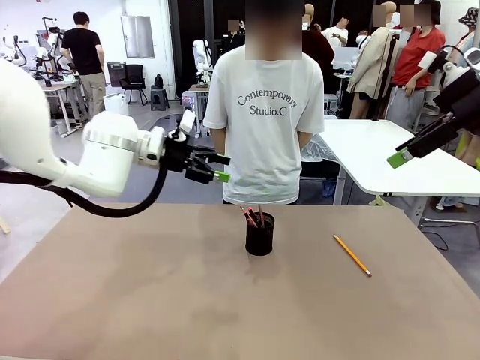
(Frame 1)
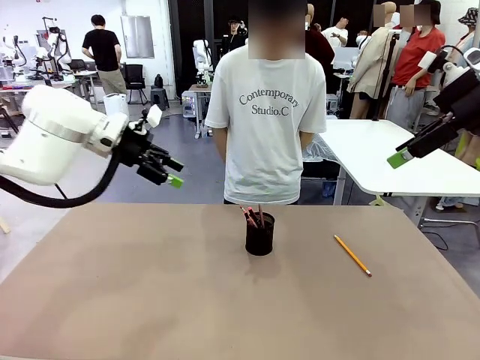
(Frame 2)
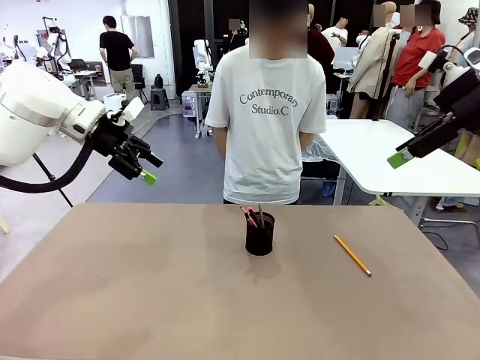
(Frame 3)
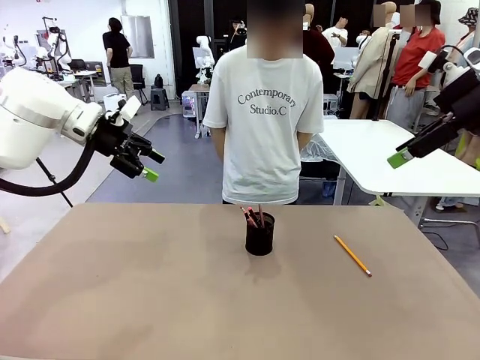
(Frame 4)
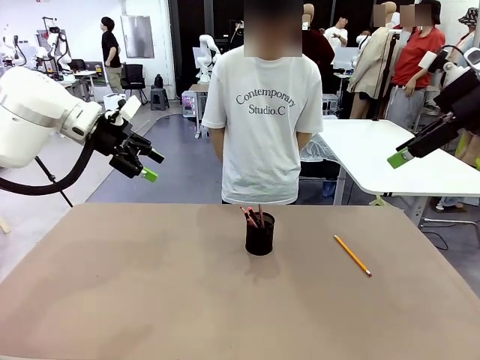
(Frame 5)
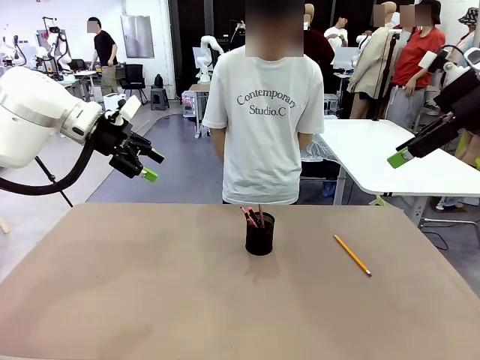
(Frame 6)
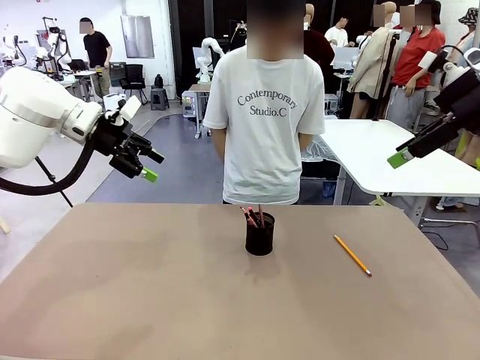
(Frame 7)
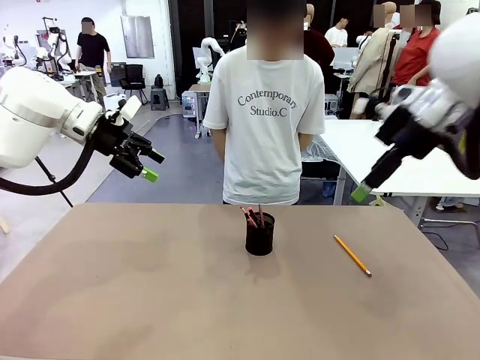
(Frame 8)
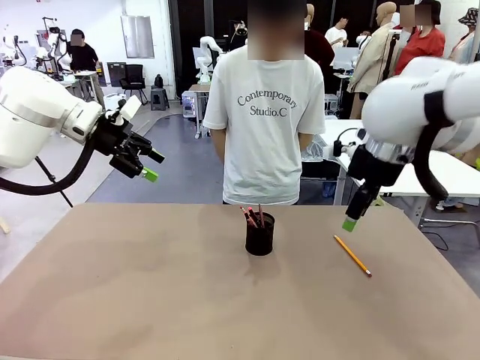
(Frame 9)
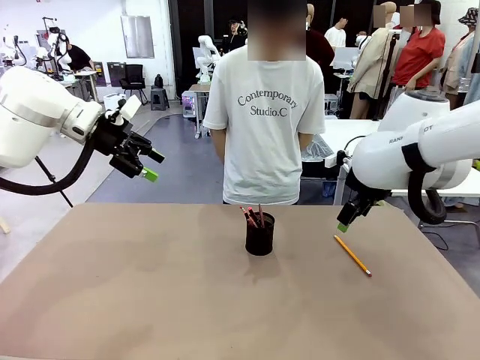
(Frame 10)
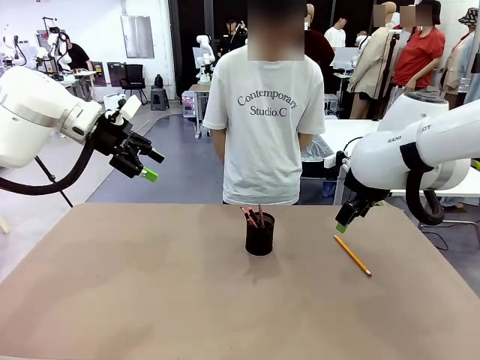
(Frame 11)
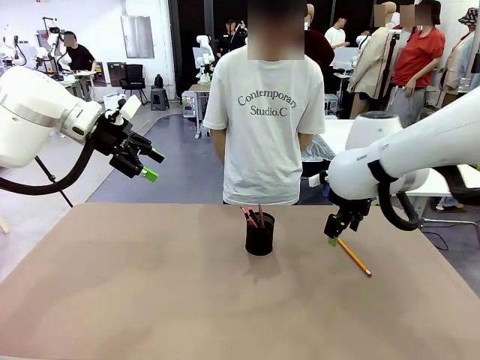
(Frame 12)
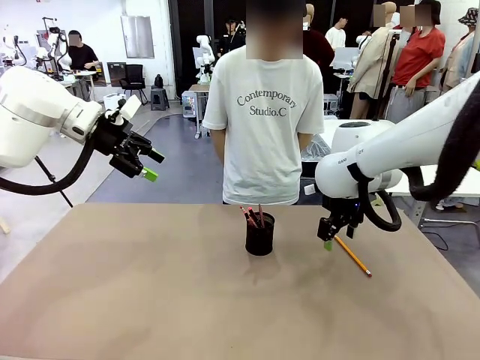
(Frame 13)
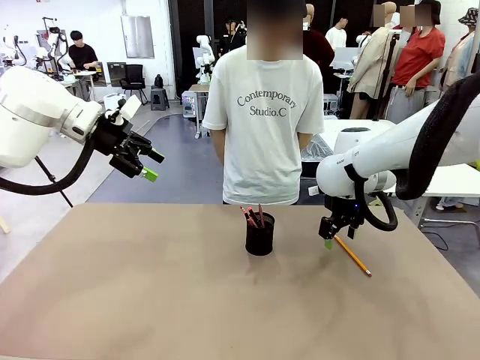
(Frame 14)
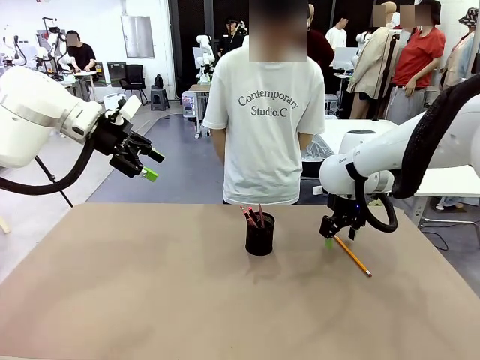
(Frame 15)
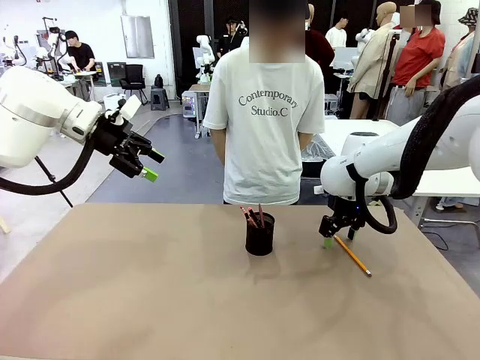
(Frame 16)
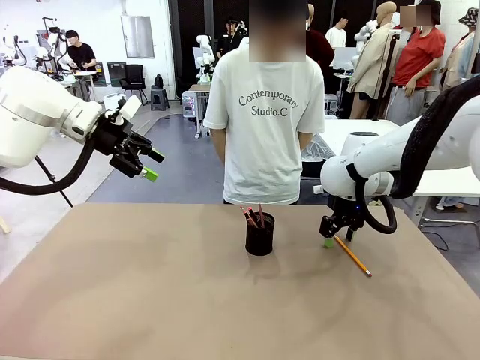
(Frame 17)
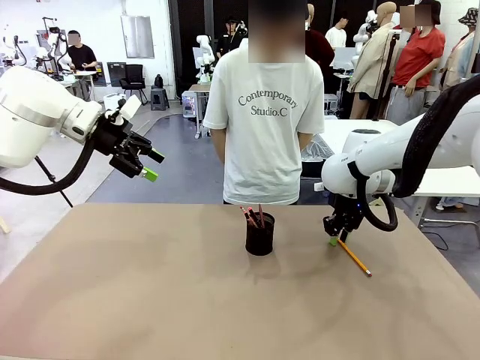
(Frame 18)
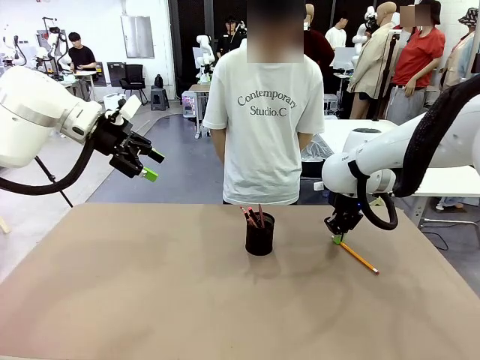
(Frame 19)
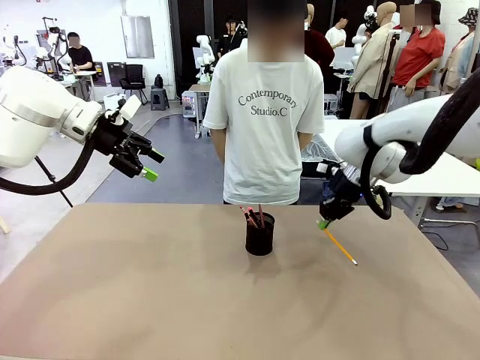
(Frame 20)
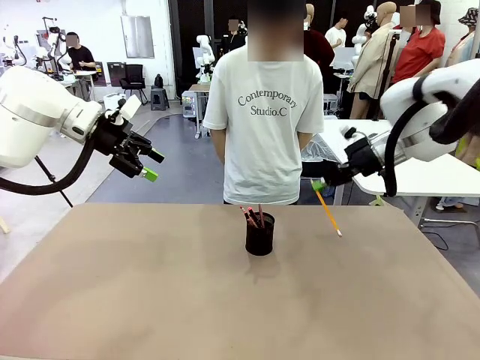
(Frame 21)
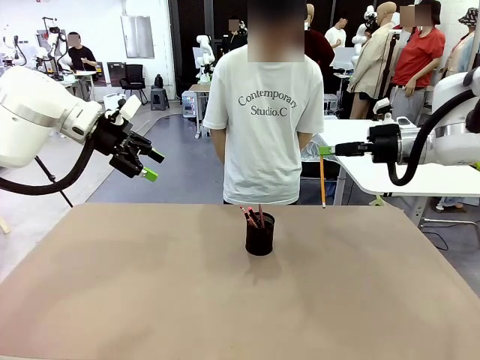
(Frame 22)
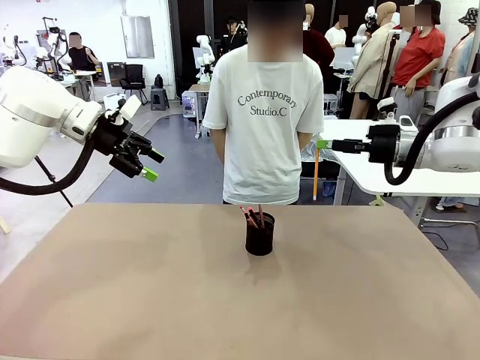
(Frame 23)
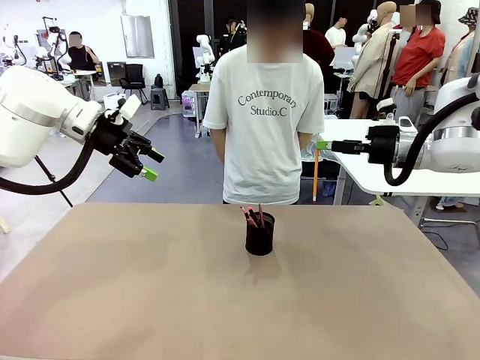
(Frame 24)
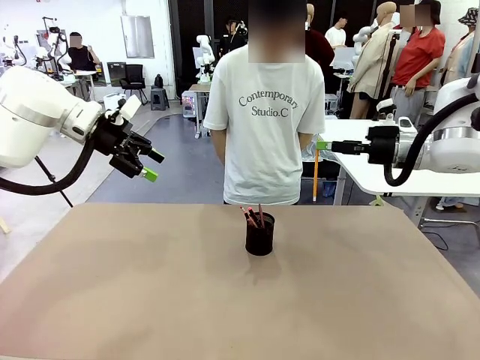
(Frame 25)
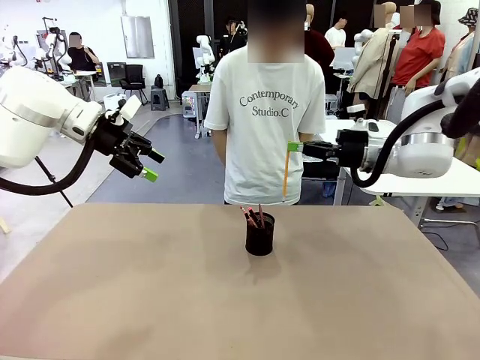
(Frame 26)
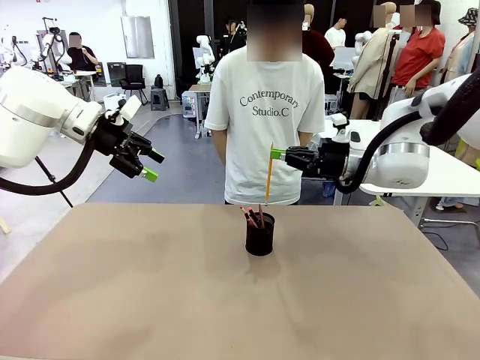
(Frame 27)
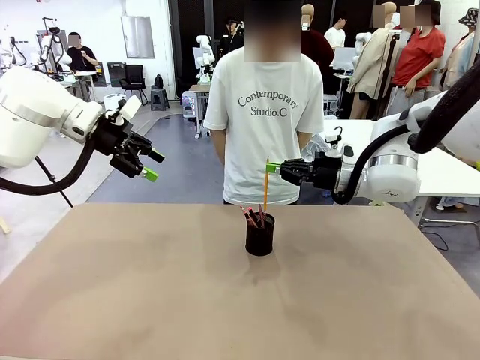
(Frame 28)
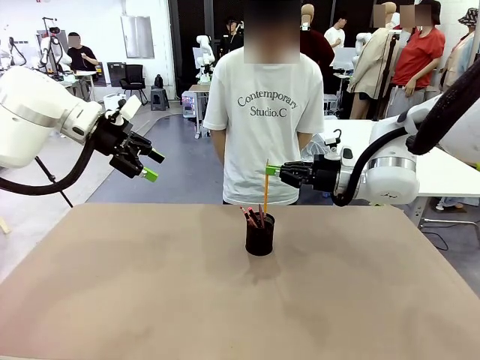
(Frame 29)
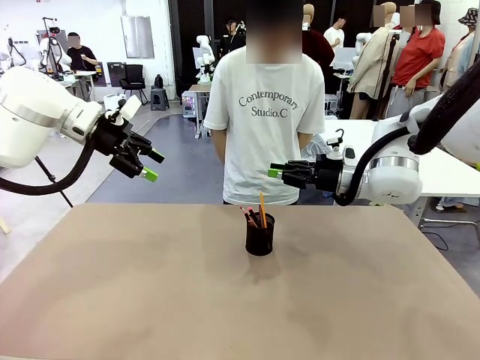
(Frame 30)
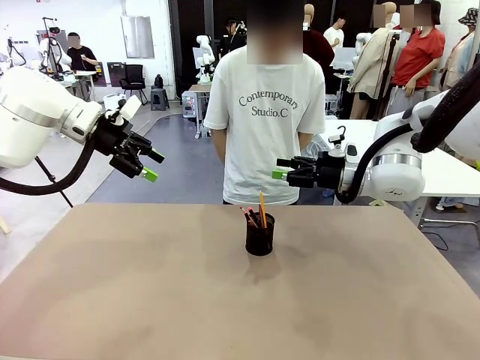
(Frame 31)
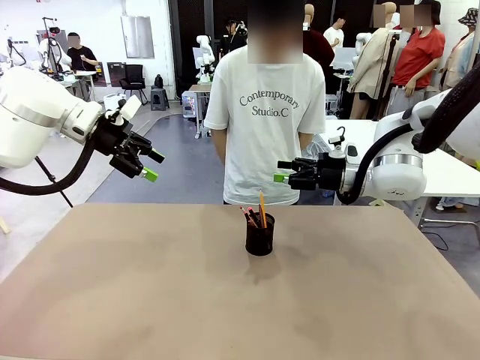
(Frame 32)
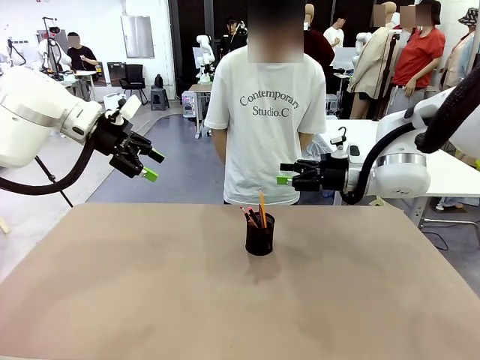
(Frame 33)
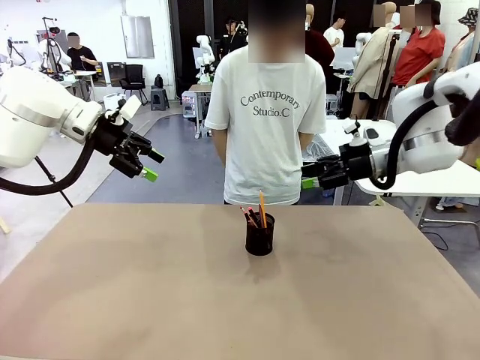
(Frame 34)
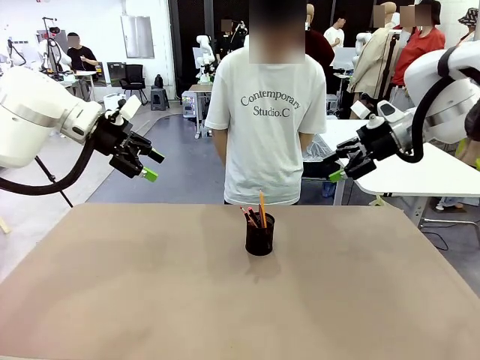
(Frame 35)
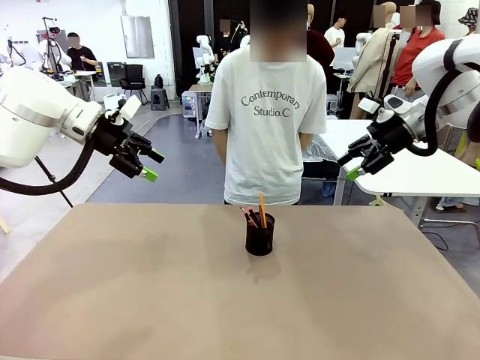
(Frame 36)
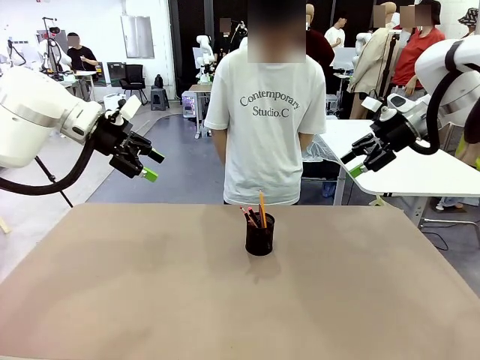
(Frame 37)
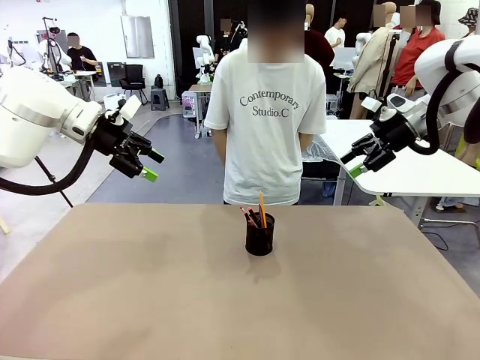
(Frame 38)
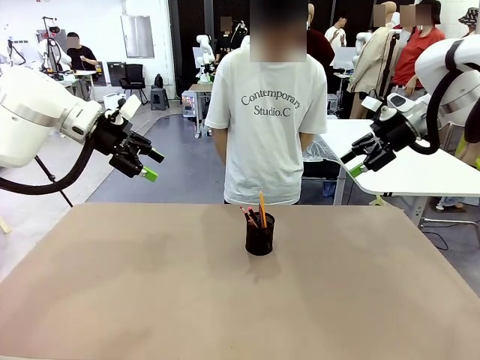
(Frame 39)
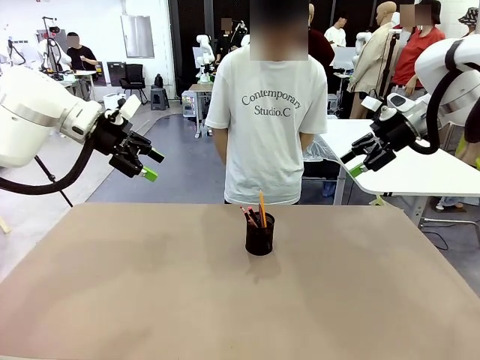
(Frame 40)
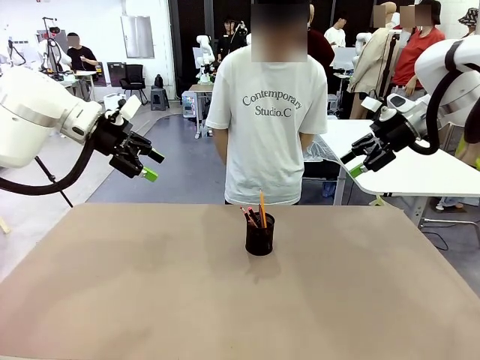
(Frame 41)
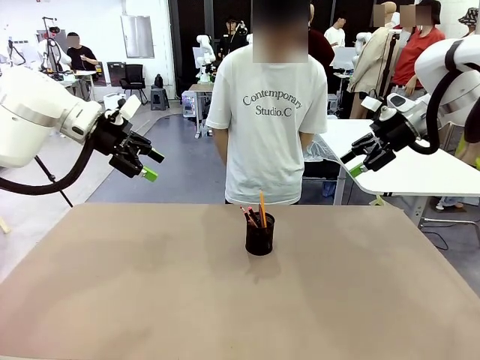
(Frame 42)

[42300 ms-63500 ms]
Task: Place the pens into the pen holder.
Robot: Pick up a writing instrument from the table and place it into the Pen holder.
